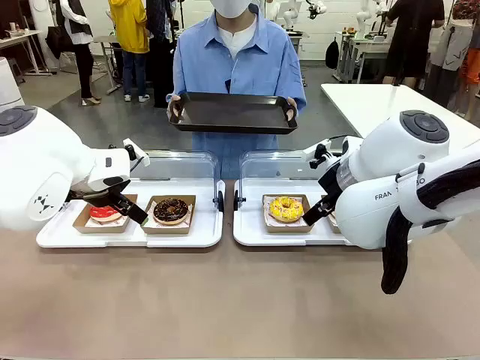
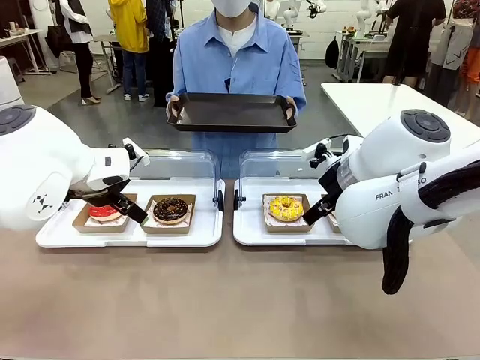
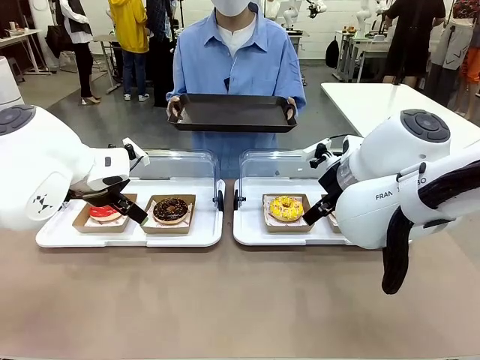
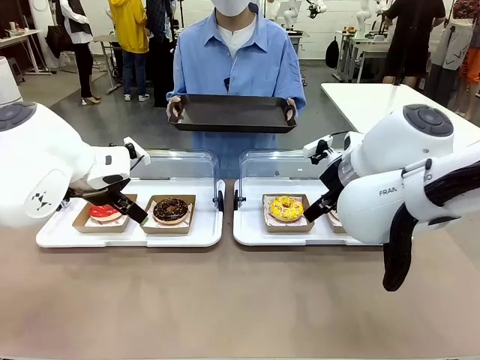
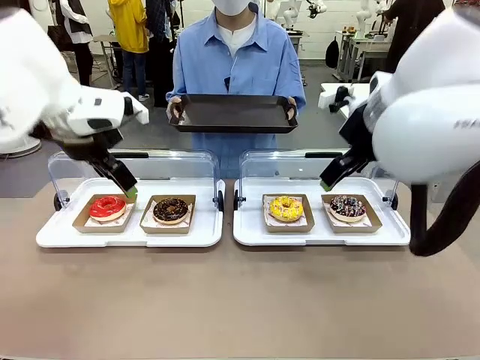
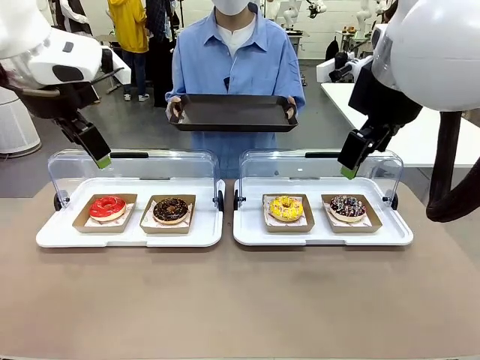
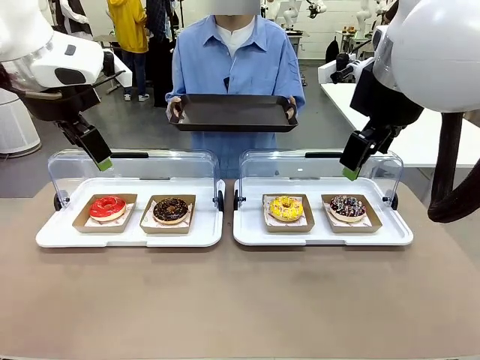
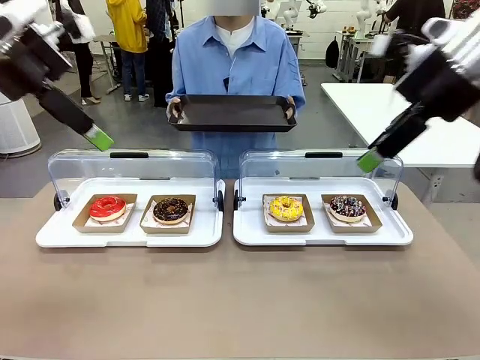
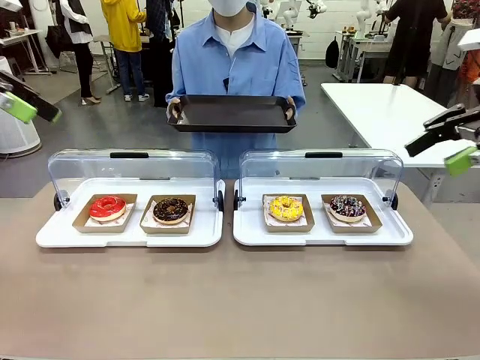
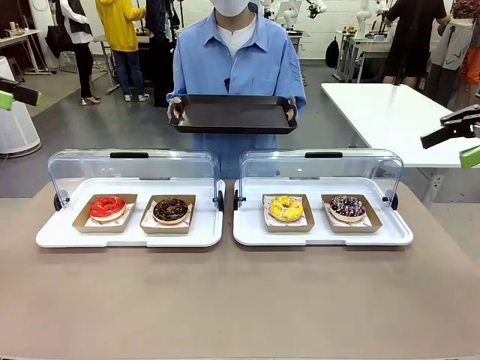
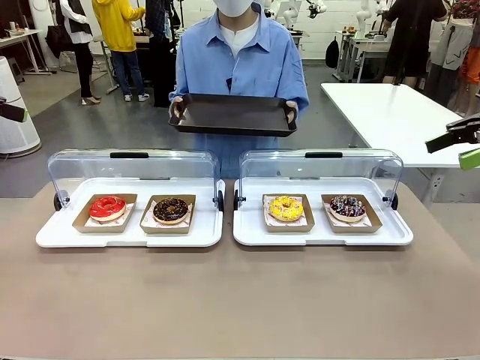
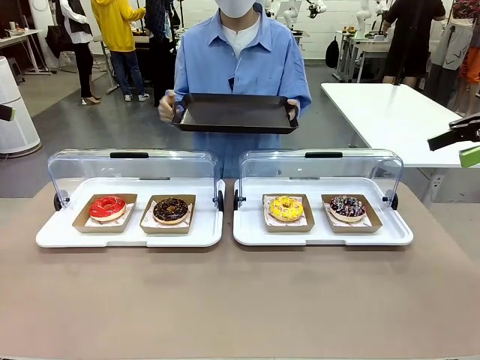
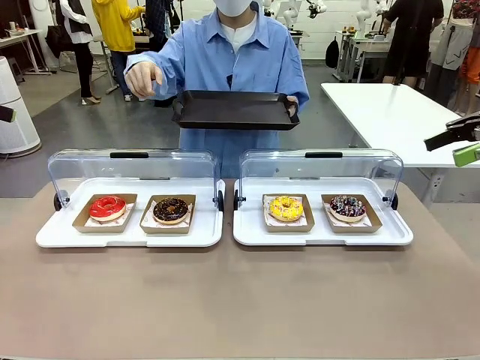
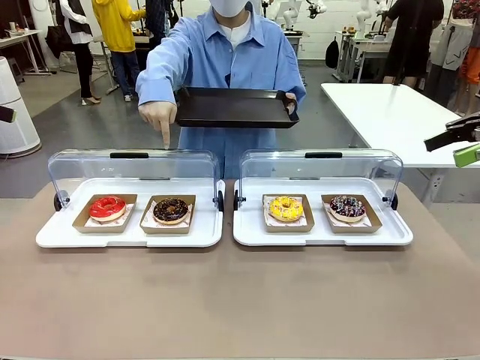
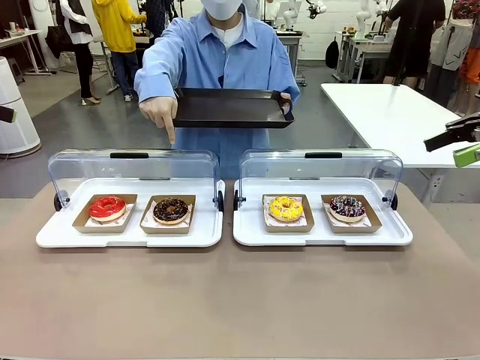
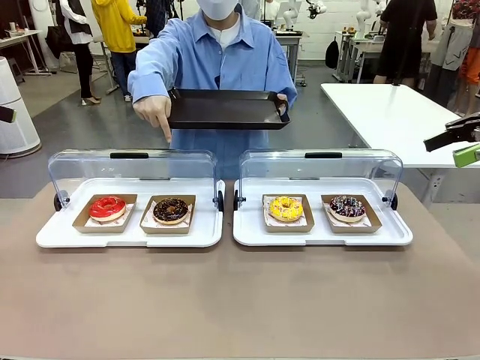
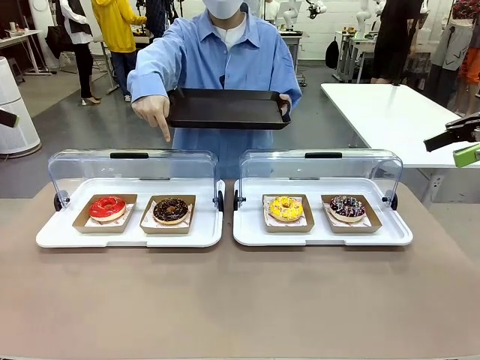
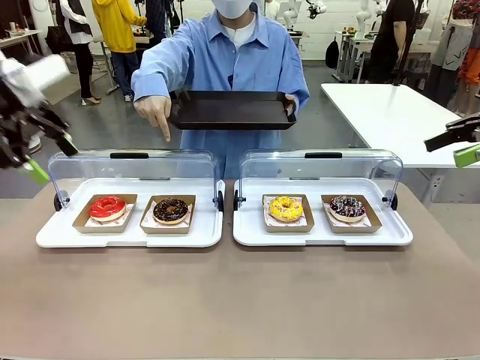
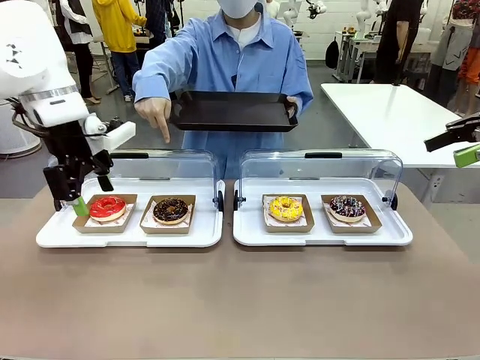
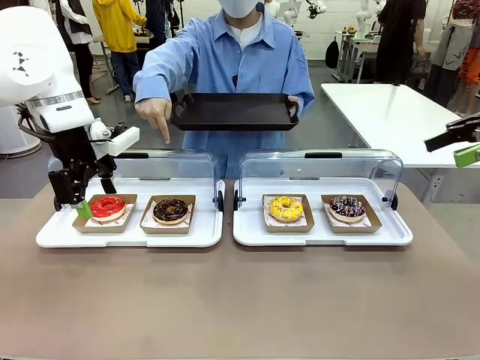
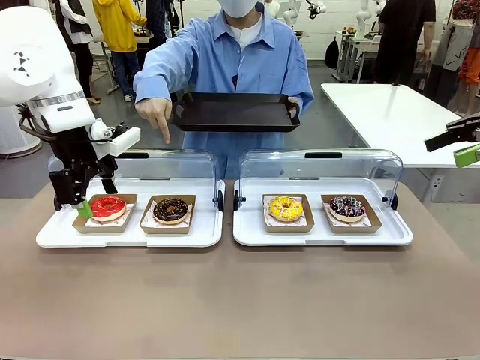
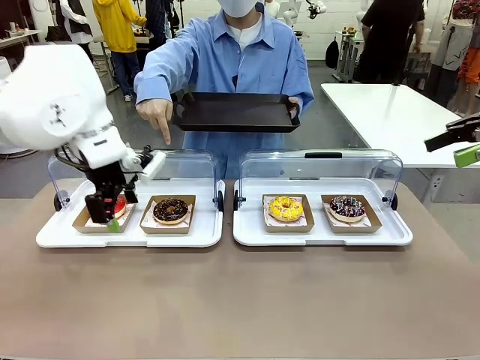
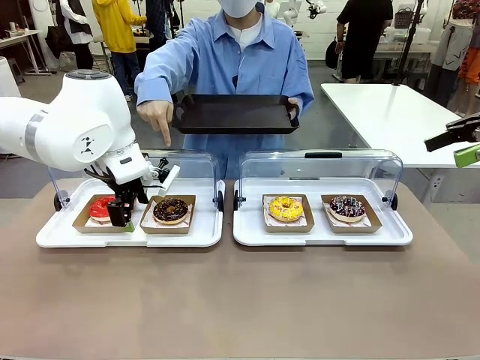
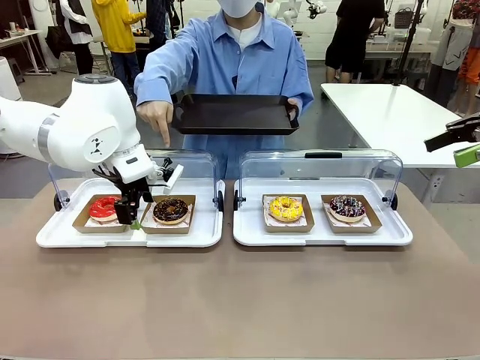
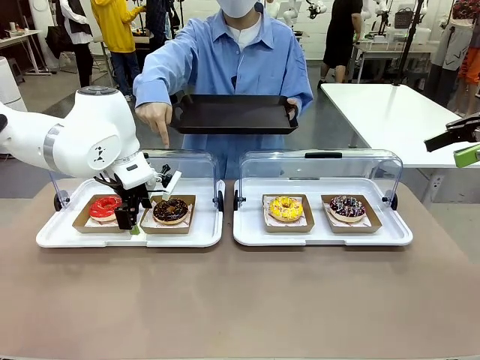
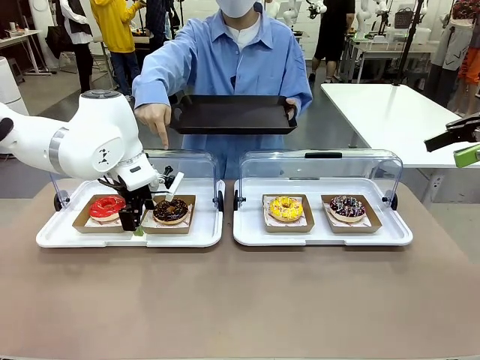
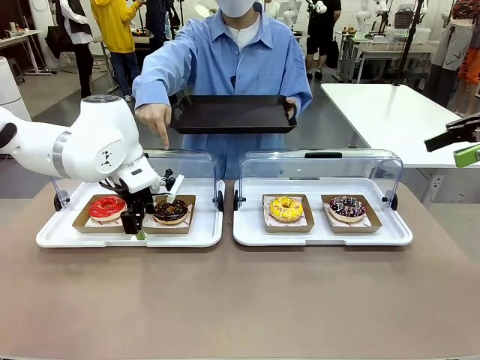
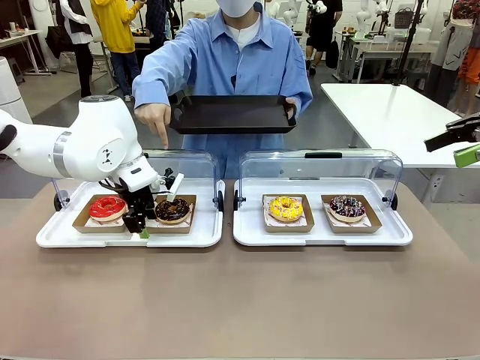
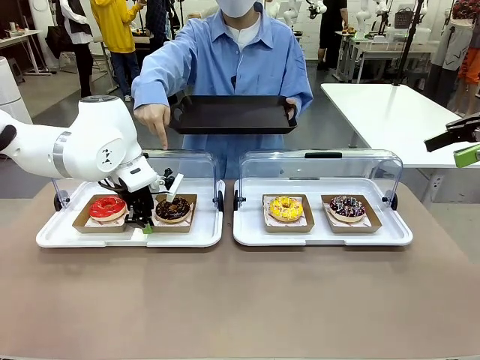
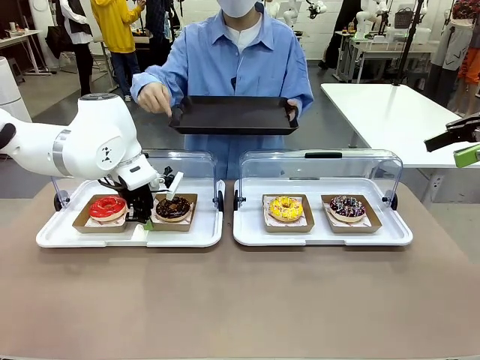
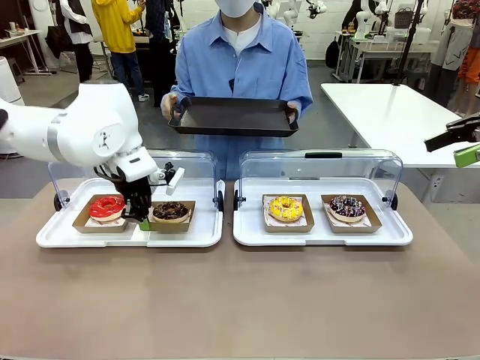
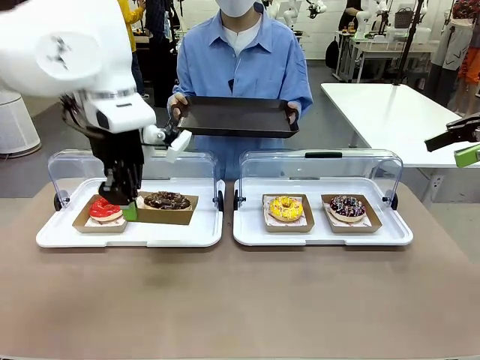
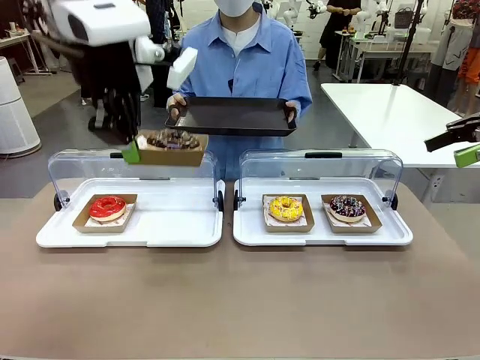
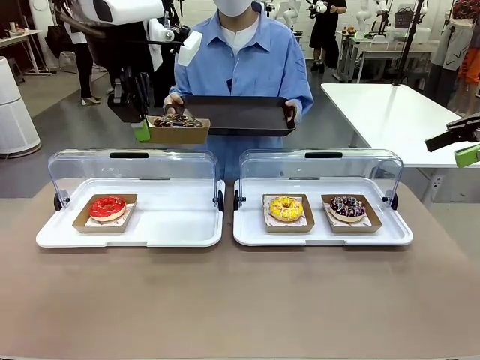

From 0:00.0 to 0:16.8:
Task: Provide the desired donut to the person.
Robot: Pick up and lift the Paper togo box containing the Donut pointed at by the person.
Person: Point to one donut. Lift the tray onto the Roll-Top Bakery Case.

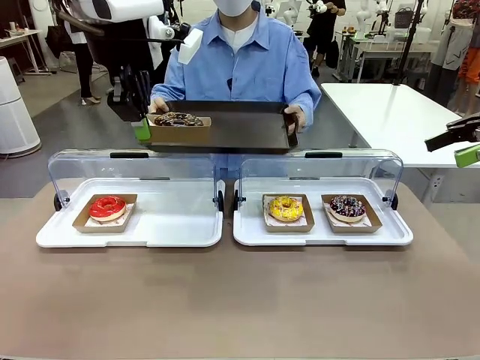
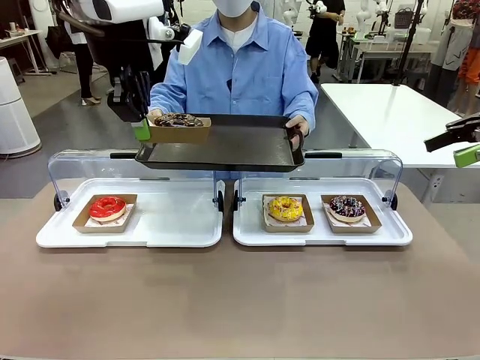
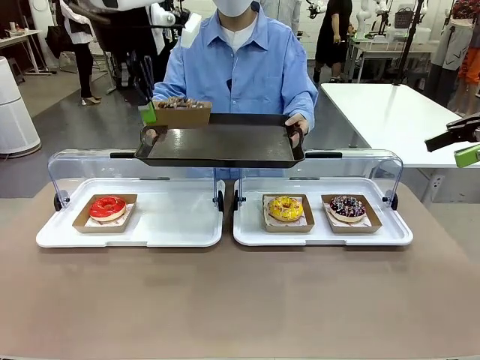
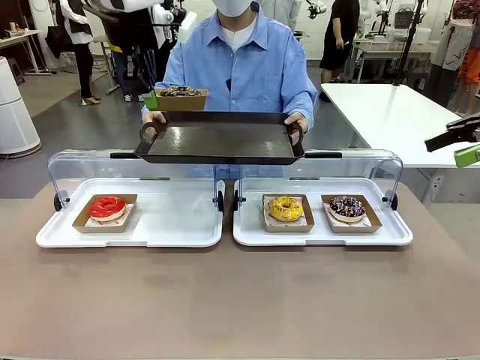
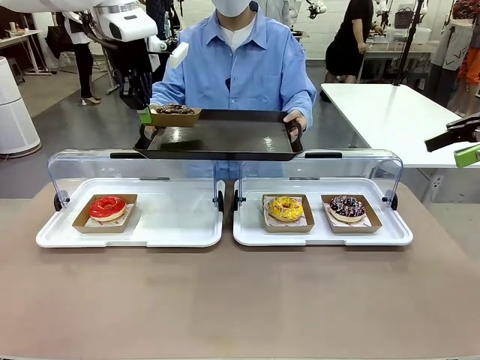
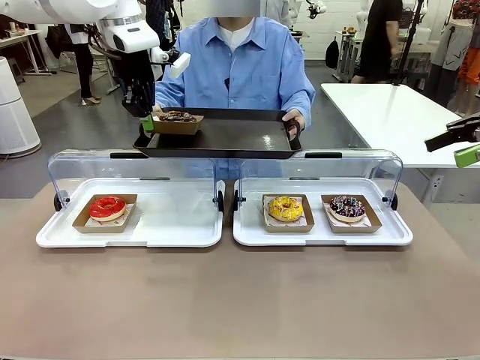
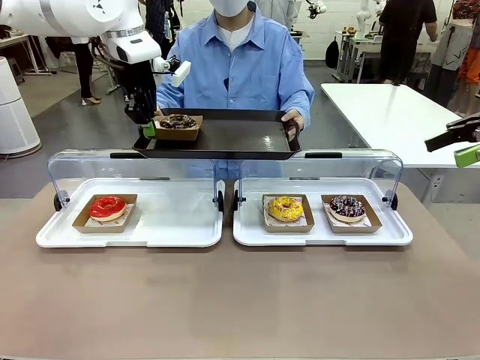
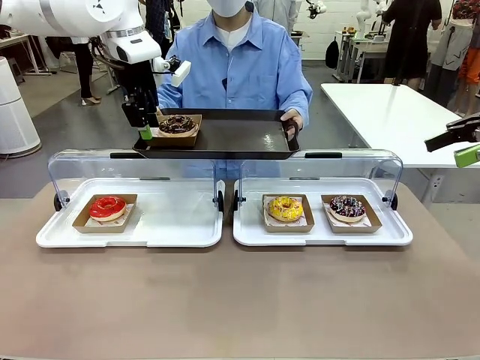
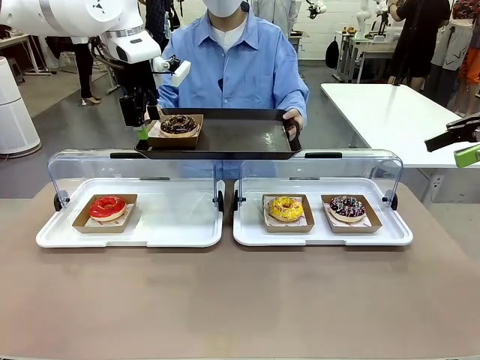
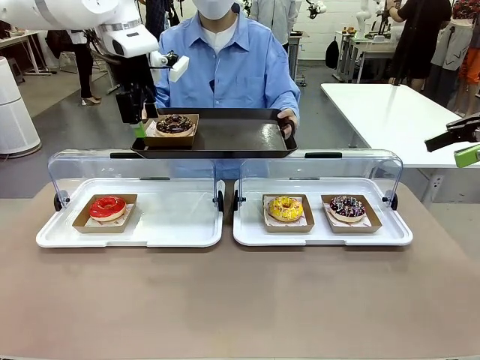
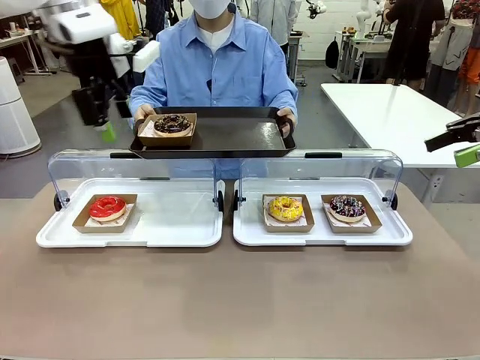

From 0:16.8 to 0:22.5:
Robot: Place the picked Paper togo box onto the Handle tray extended by the person.

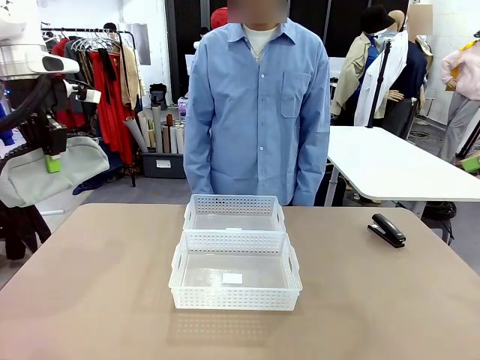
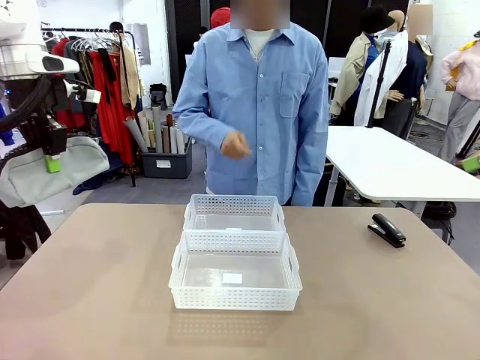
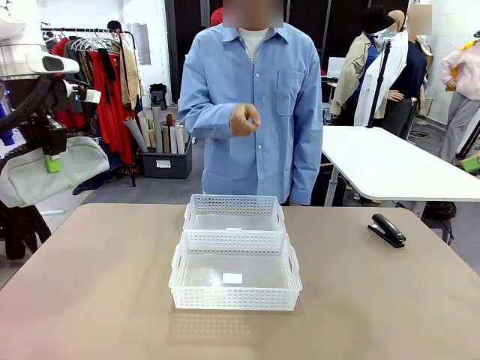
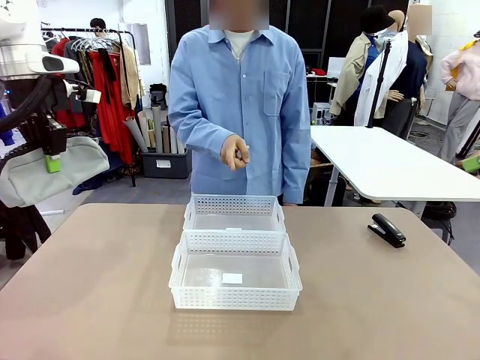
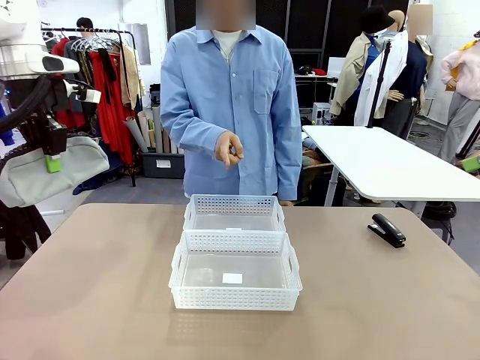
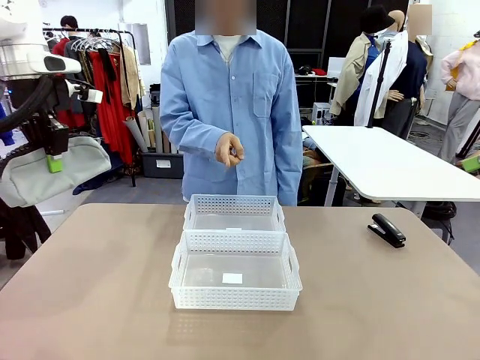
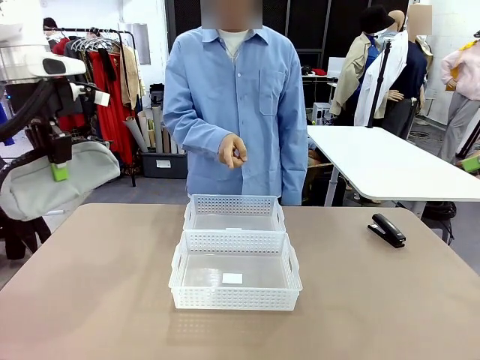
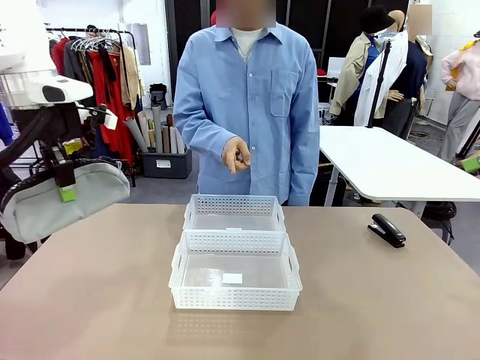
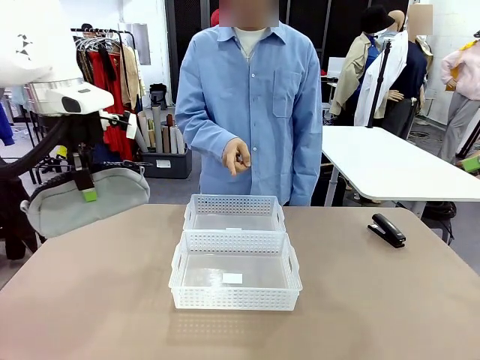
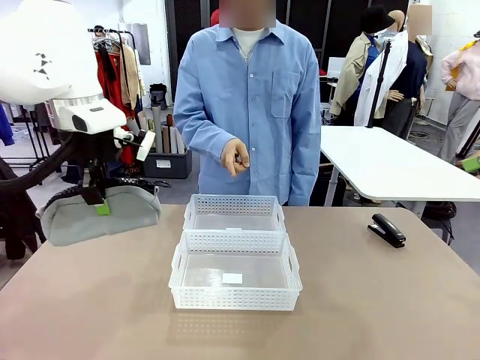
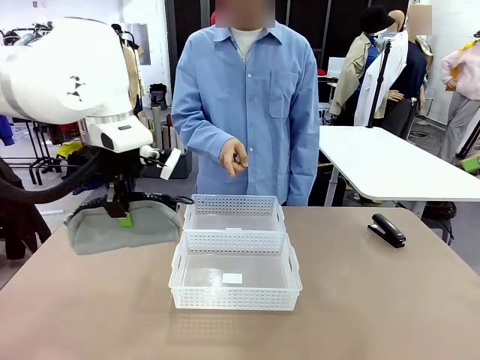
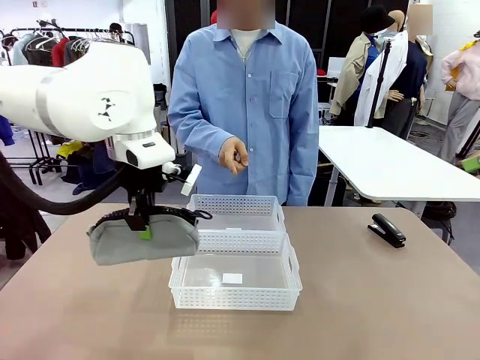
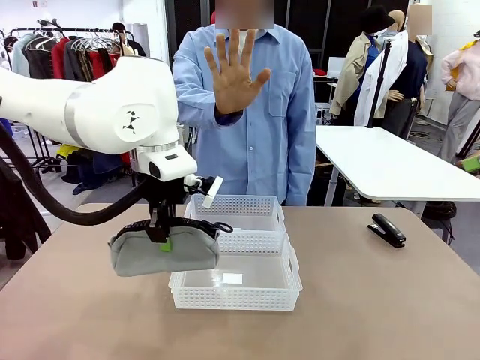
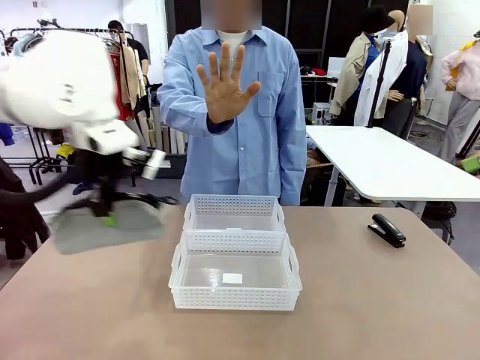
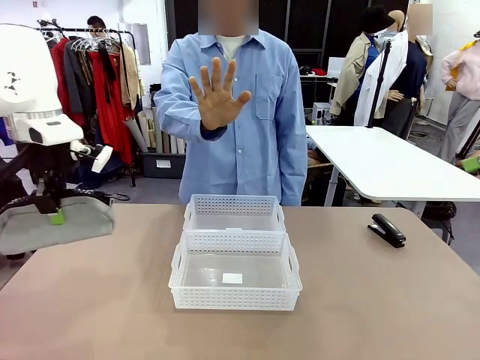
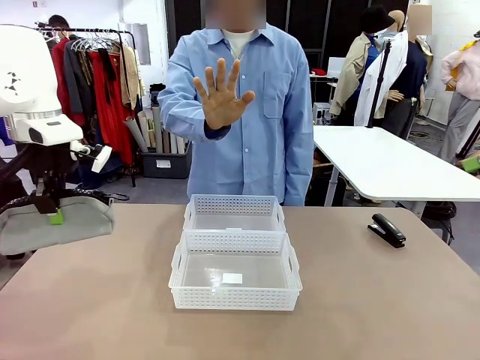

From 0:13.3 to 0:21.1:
Task: Distribute items into two baskets.
Robot: Move the picked Pencil pouch towards the Organizing basket indicated by the person, stopping as directed.
Person: Sends a stop gesture before the robot places the pencil case into the basket.
